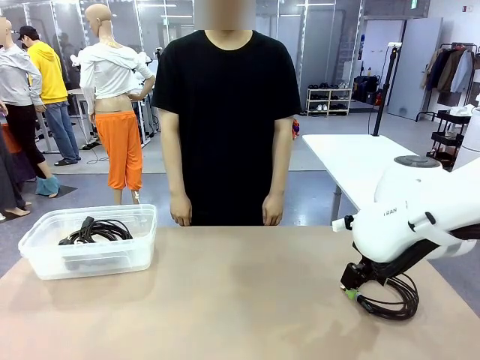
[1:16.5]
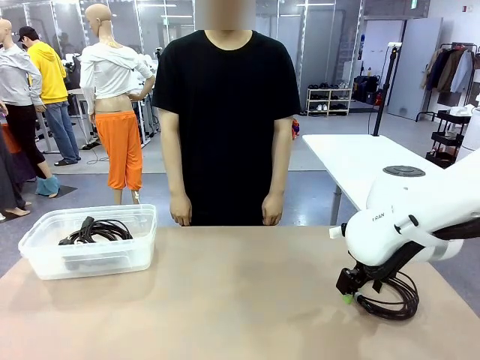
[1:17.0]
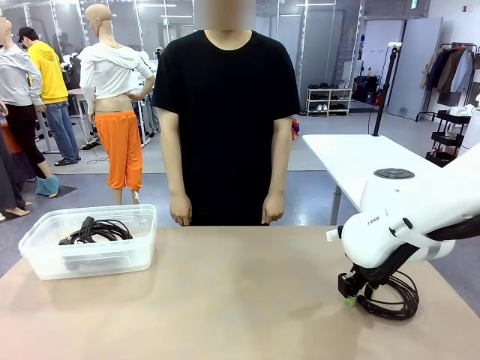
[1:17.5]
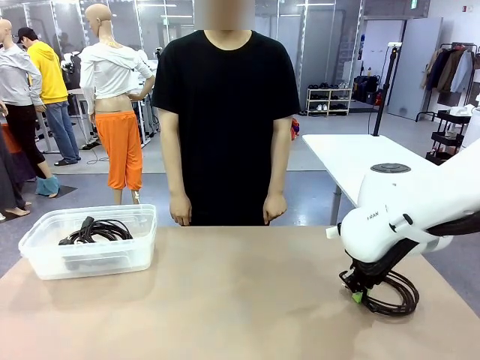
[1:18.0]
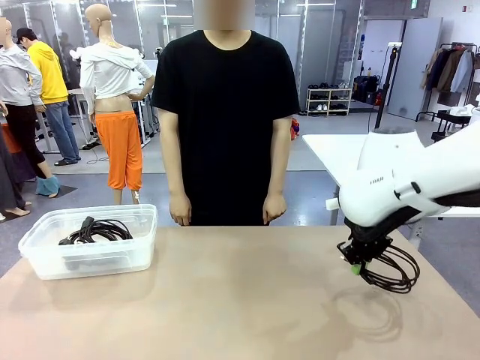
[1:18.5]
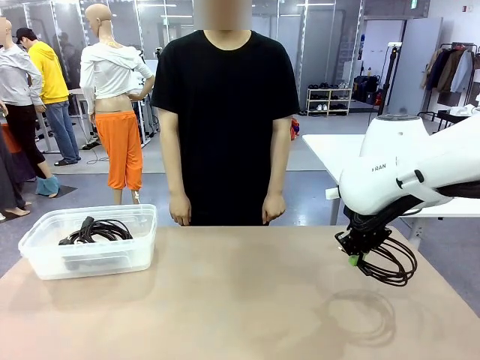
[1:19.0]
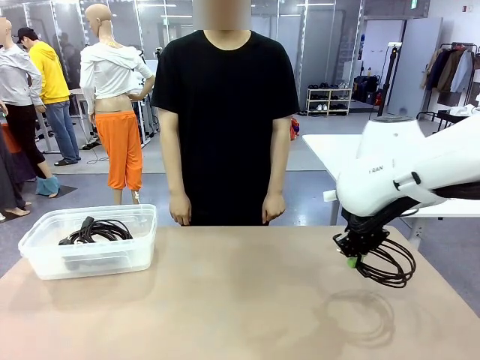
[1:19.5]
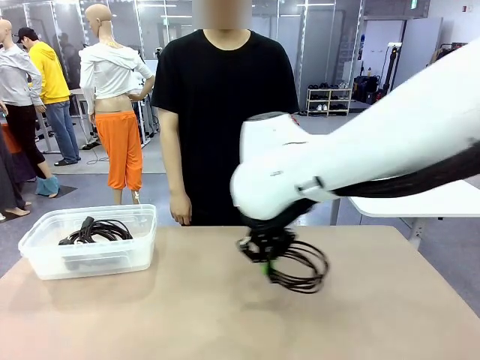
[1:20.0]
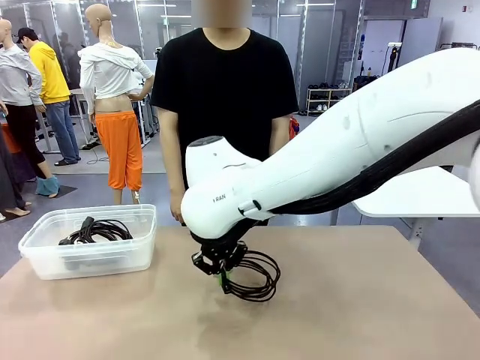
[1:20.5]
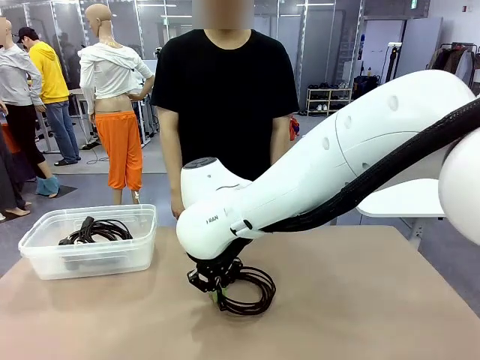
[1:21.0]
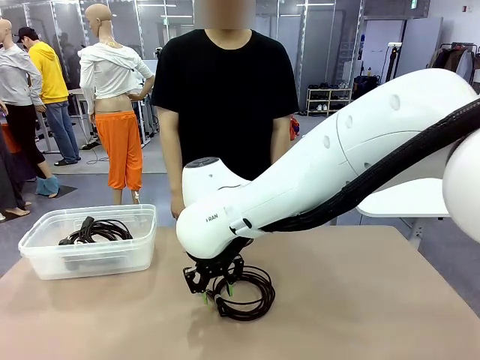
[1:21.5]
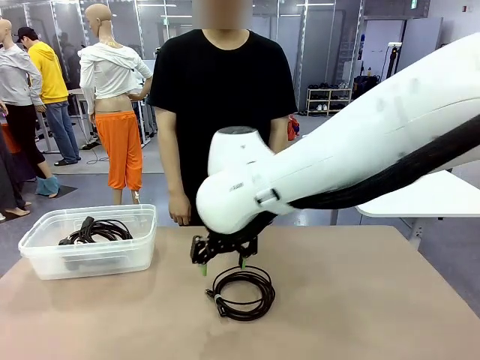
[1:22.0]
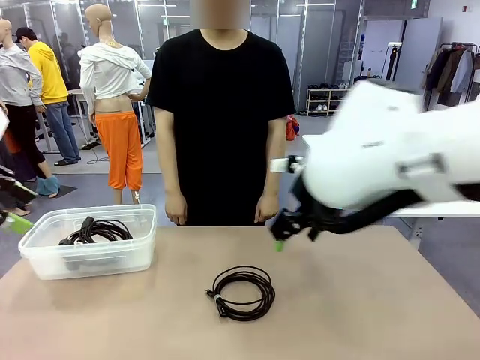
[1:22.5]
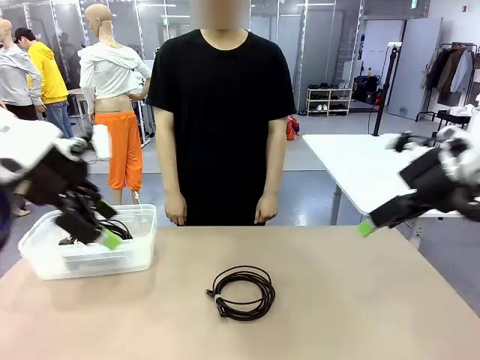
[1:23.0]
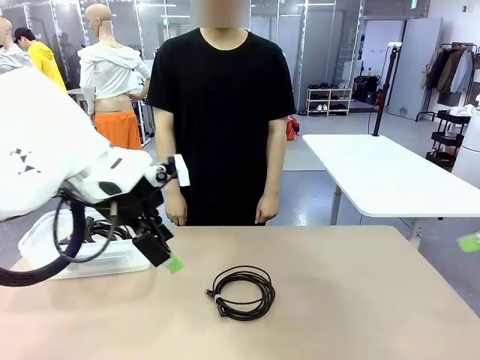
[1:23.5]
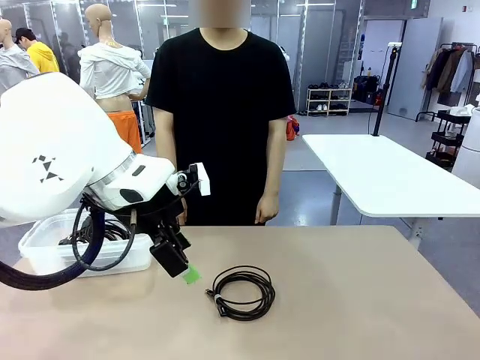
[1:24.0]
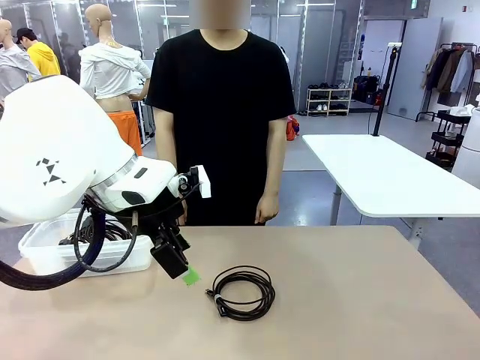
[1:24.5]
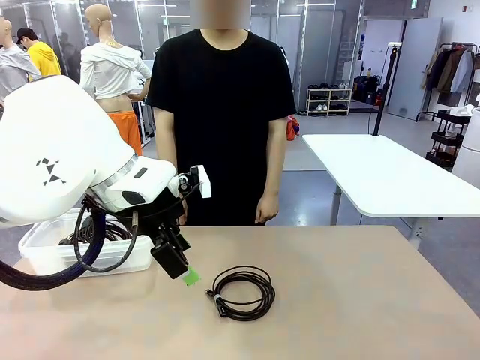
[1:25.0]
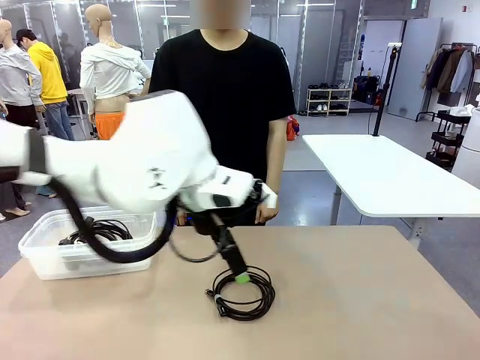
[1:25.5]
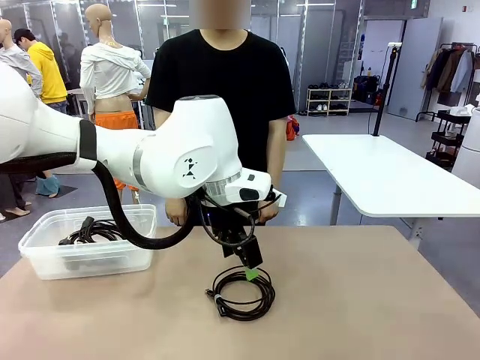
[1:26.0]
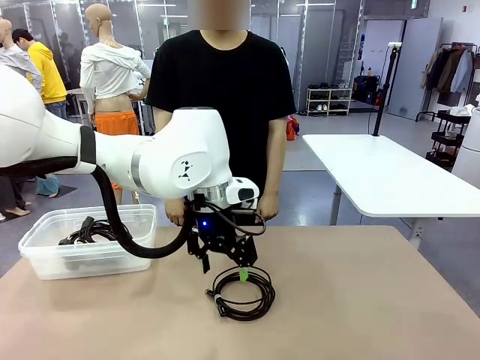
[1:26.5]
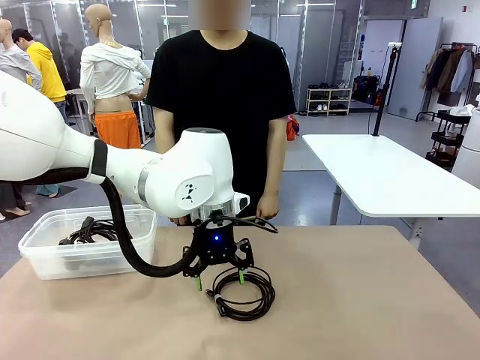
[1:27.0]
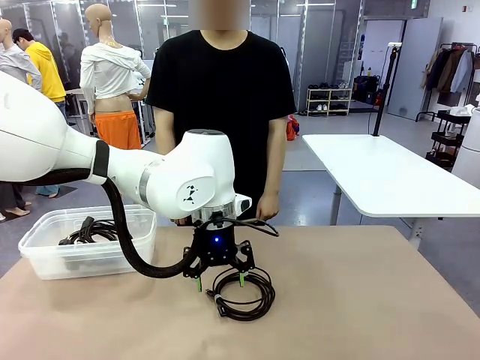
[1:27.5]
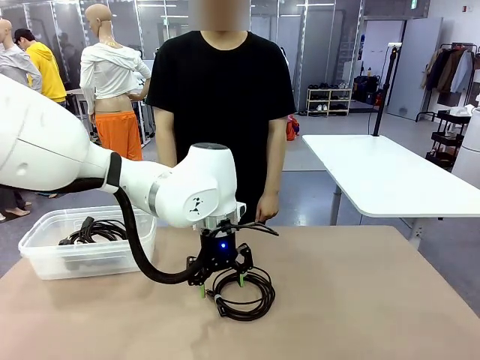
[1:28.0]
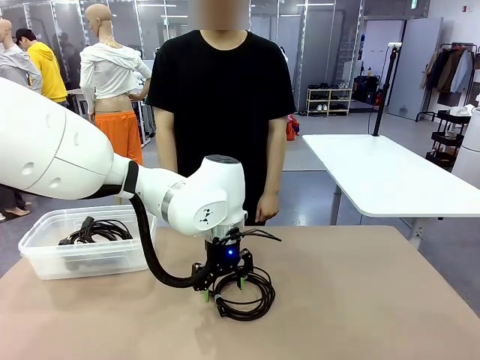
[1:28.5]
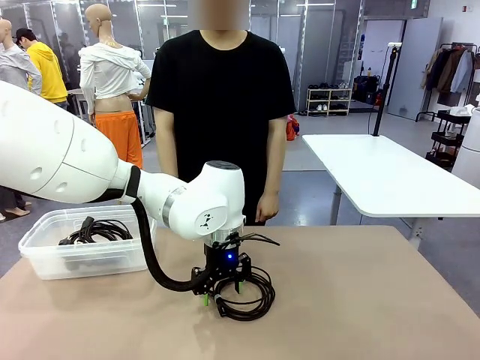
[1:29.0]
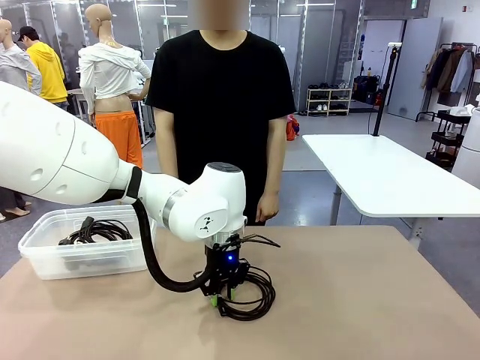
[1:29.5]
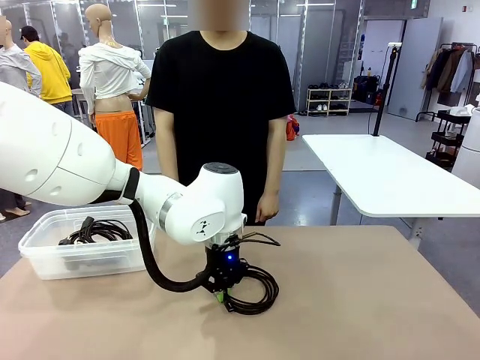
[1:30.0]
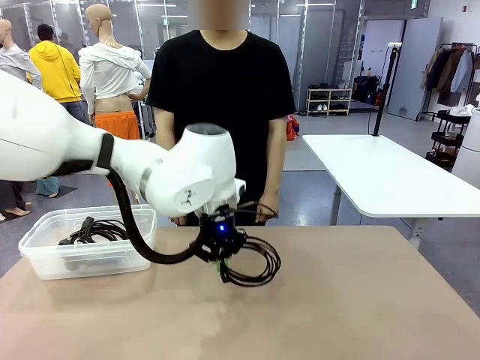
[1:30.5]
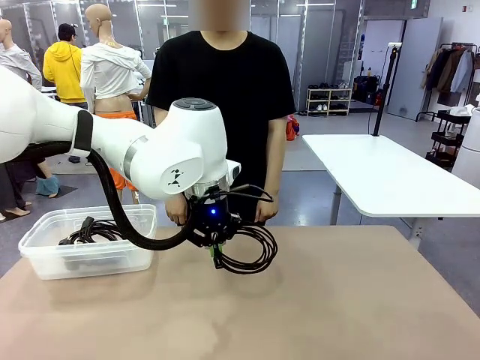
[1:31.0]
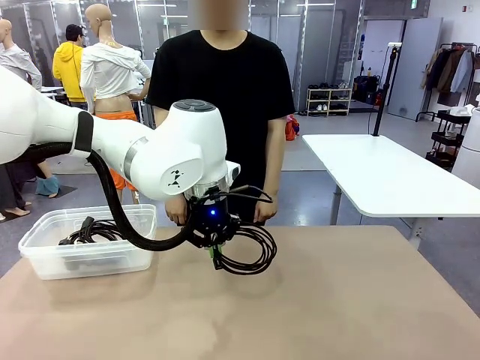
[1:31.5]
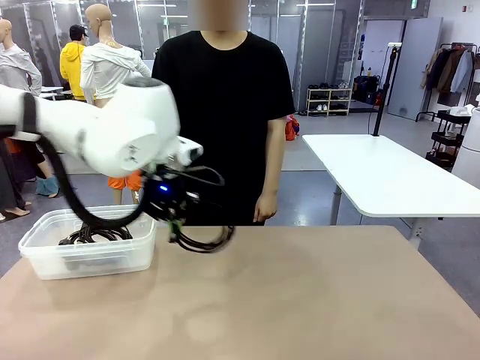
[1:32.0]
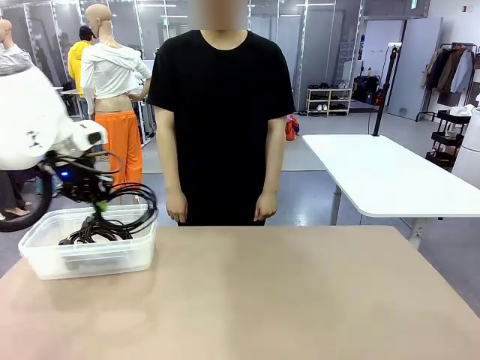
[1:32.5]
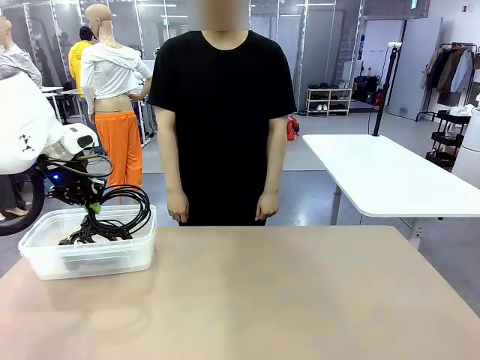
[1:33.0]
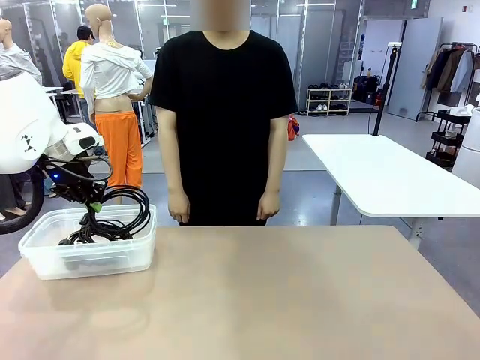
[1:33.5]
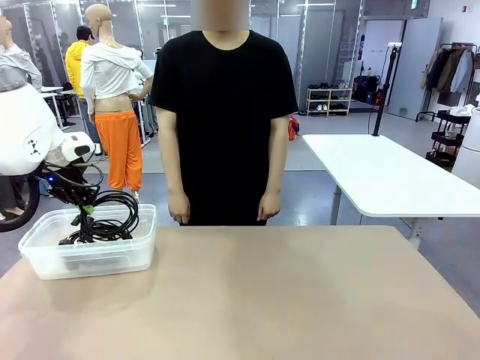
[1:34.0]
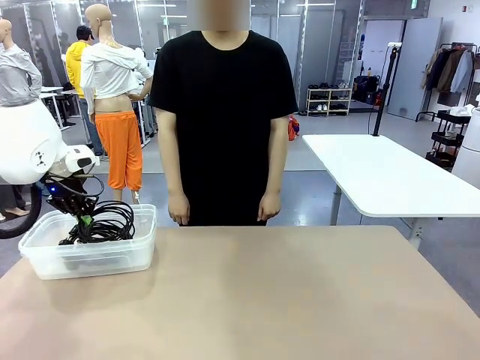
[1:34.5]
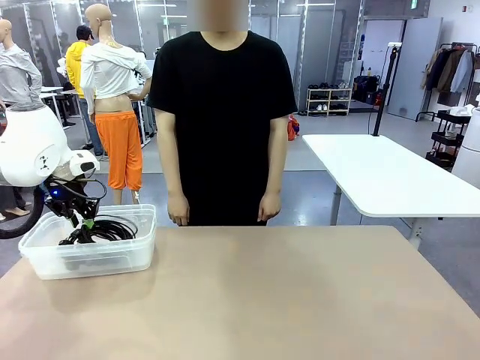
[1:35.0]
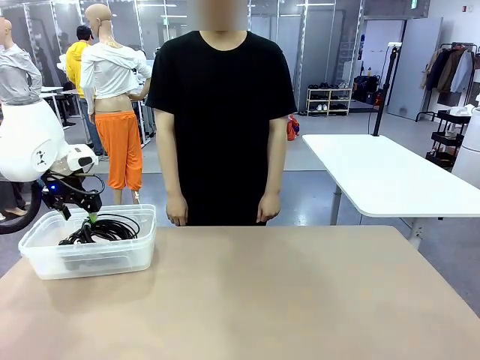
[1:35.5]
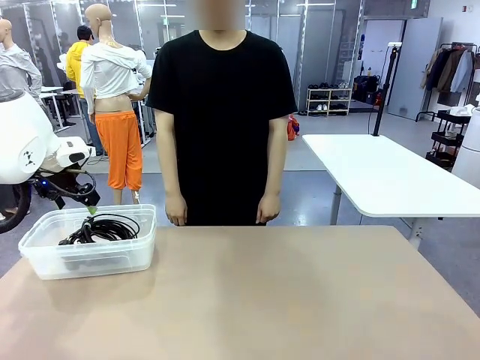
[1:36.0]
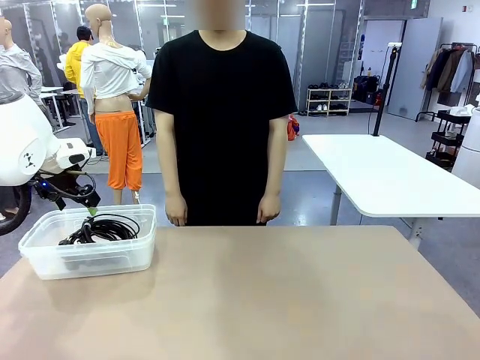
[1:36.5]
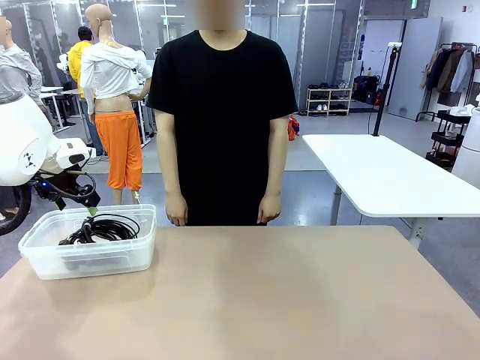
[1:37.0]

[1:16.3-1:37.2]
Task: Organize and store the cables.
Robot: Place the USB Extension Cable into the Organizing box.
